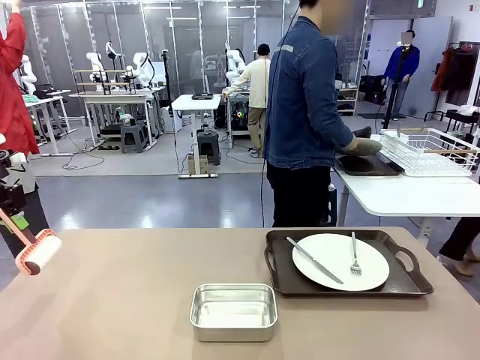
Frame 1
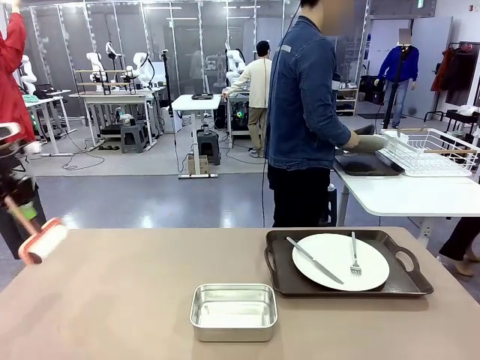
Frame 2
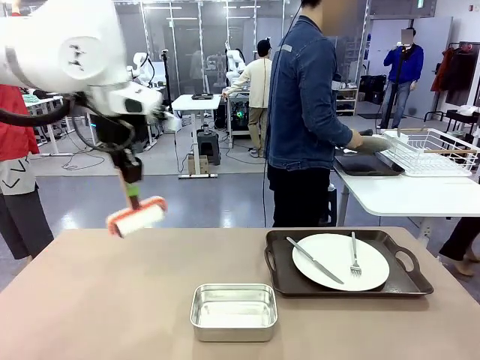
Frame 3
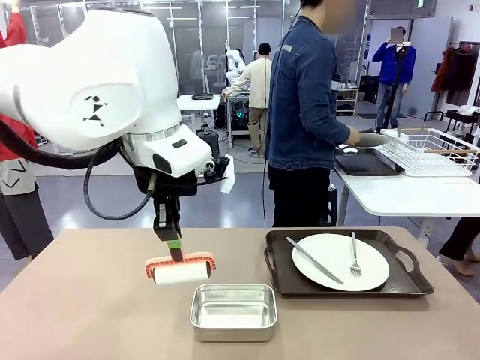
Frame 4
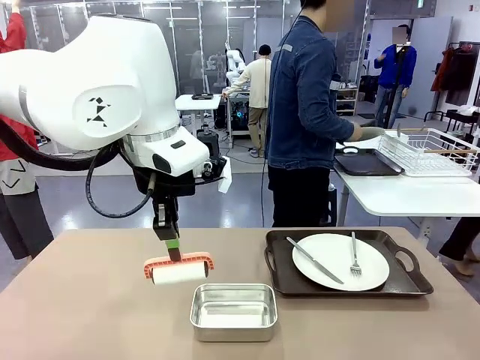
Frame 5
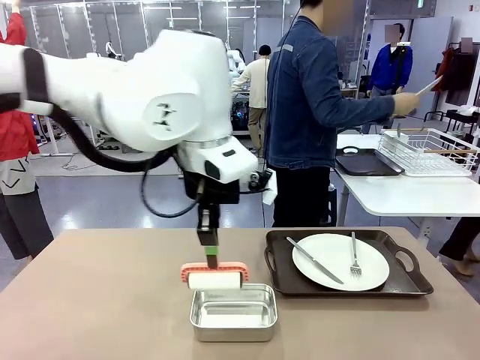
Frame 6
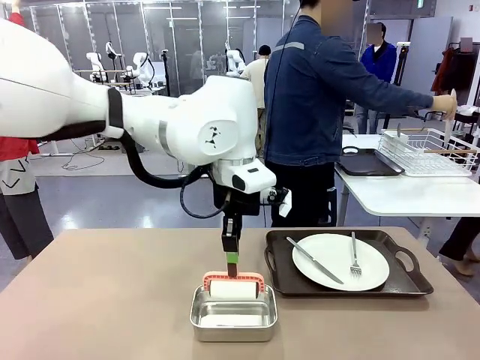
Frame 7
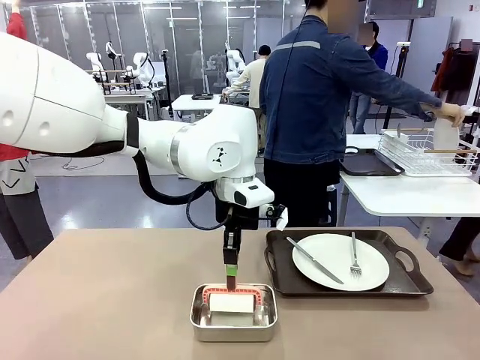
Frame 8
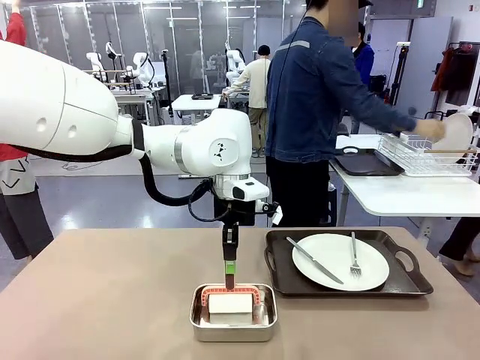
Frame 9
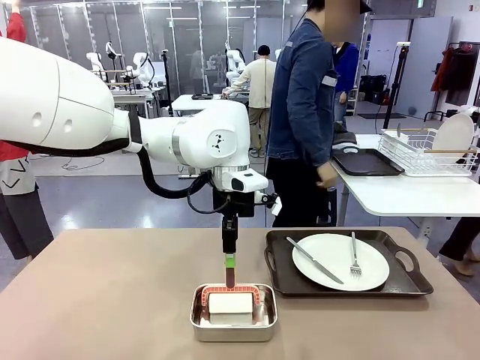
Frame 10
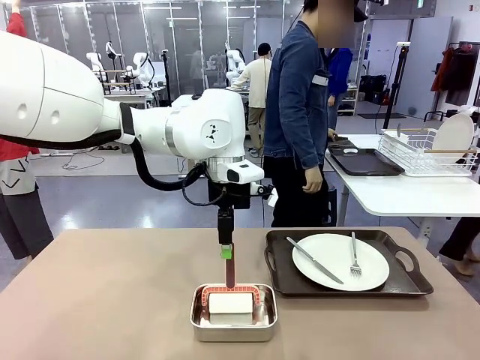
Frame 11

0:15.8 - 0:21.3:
Robot: Place the Lint Roller back on top of the Airtight Container.

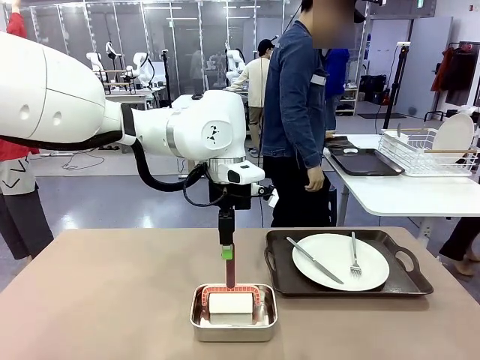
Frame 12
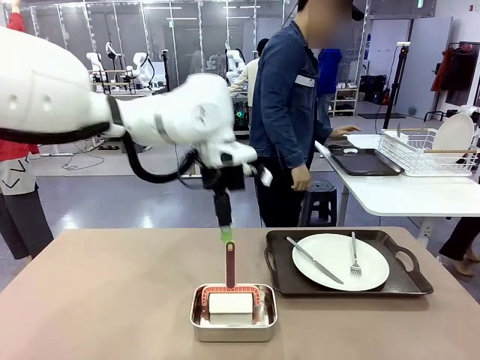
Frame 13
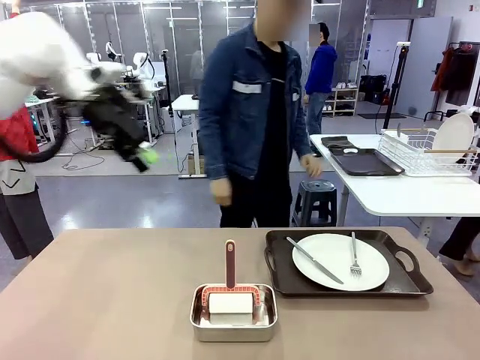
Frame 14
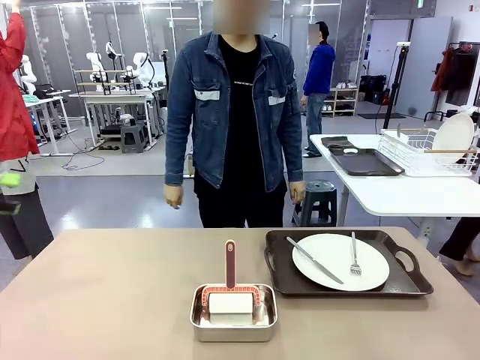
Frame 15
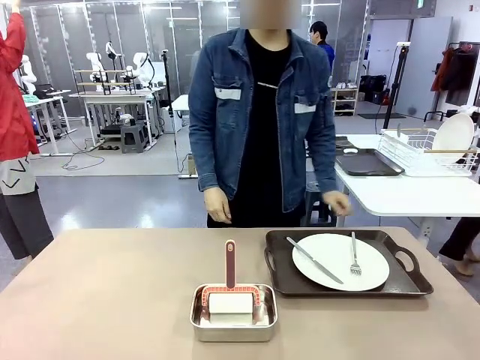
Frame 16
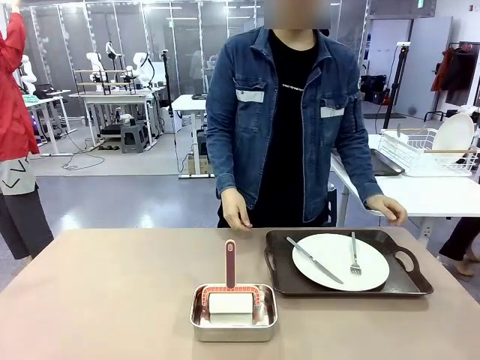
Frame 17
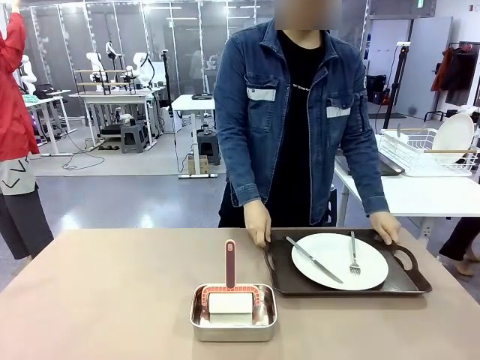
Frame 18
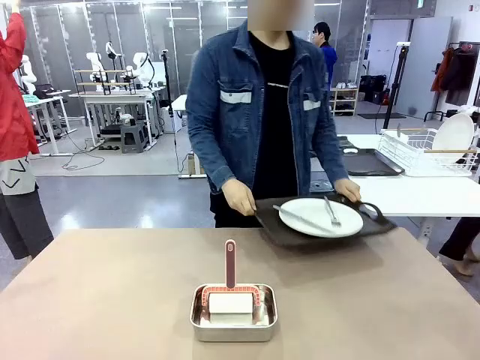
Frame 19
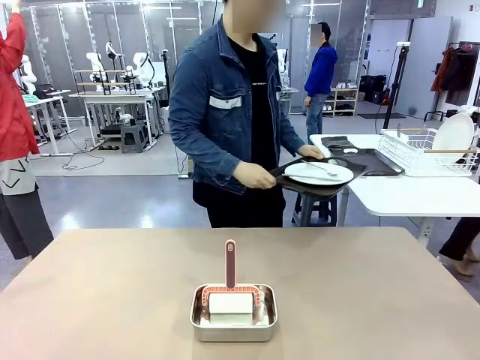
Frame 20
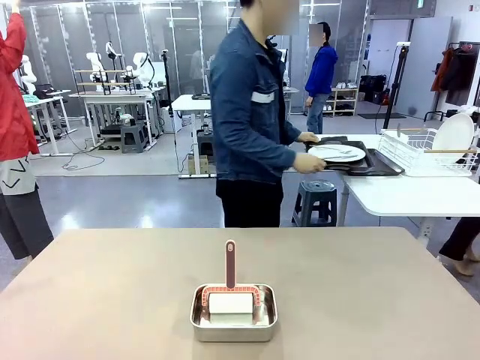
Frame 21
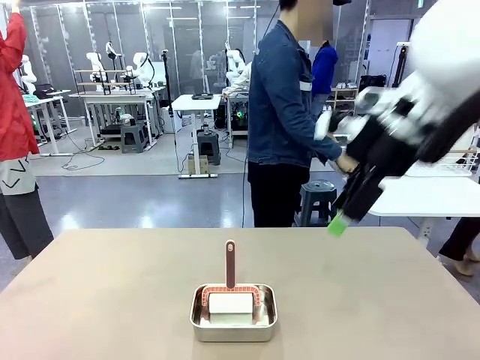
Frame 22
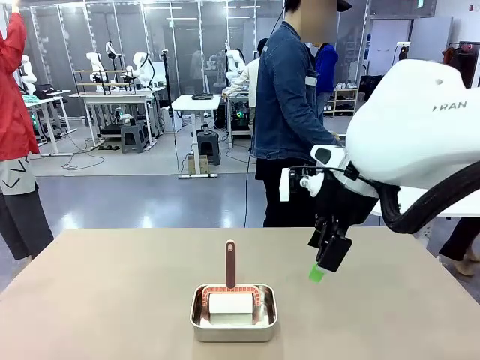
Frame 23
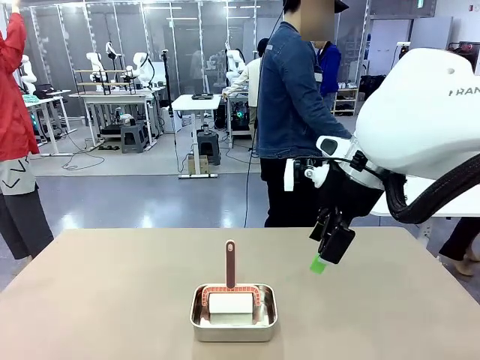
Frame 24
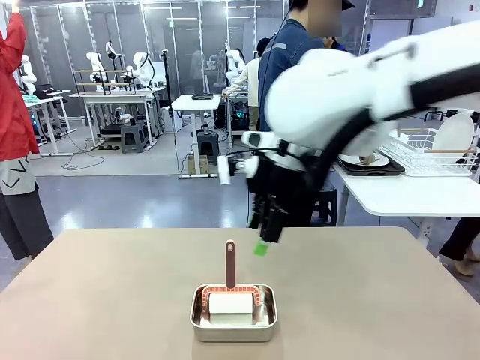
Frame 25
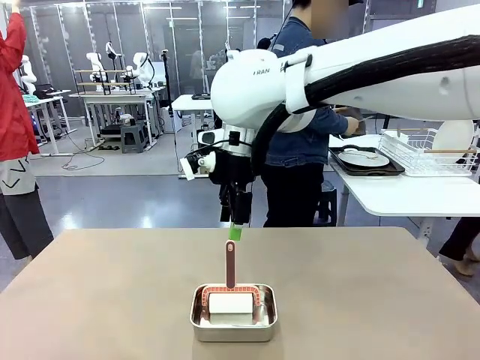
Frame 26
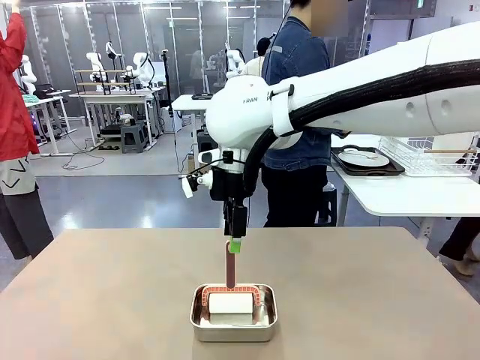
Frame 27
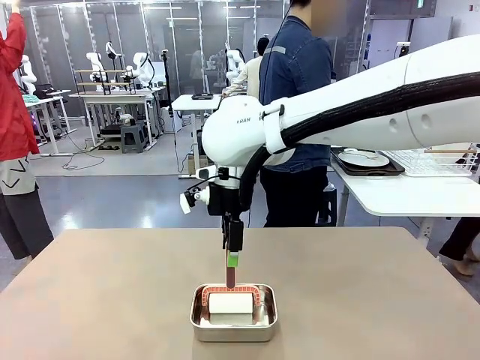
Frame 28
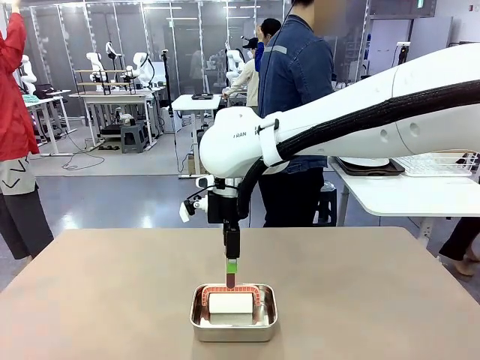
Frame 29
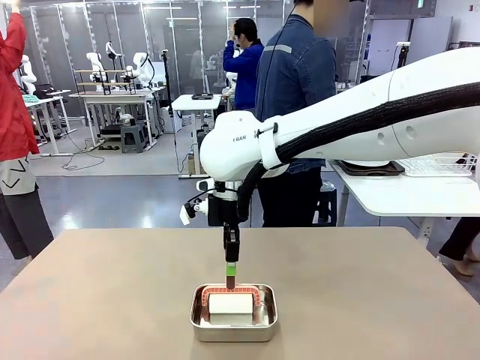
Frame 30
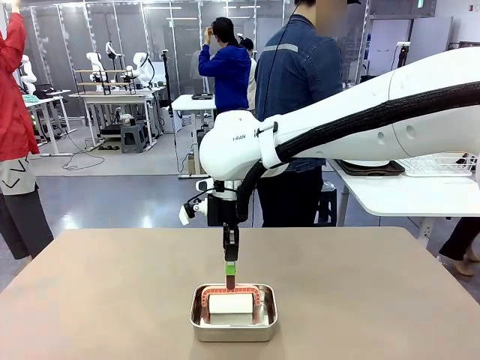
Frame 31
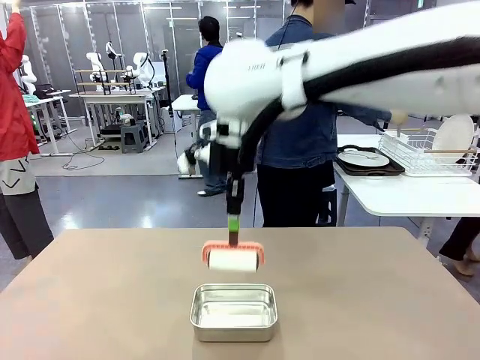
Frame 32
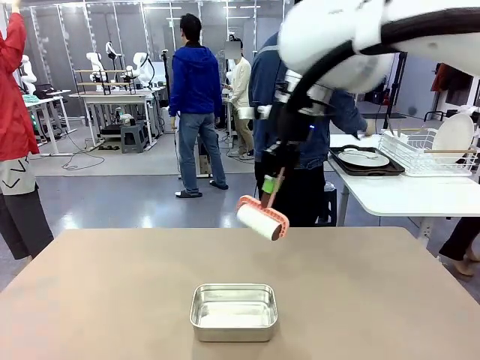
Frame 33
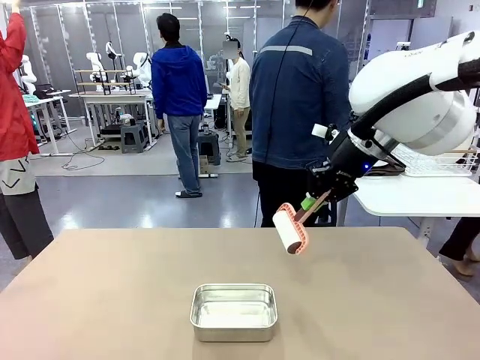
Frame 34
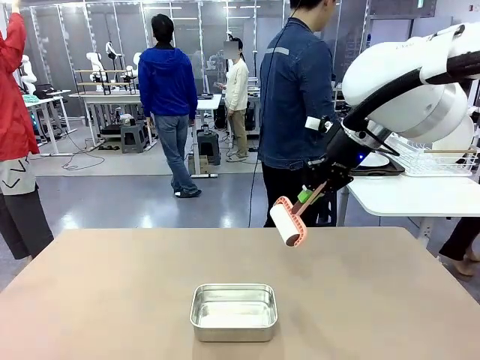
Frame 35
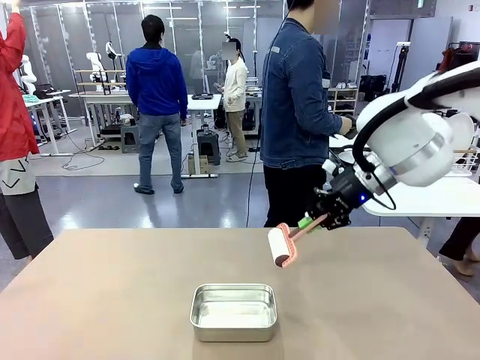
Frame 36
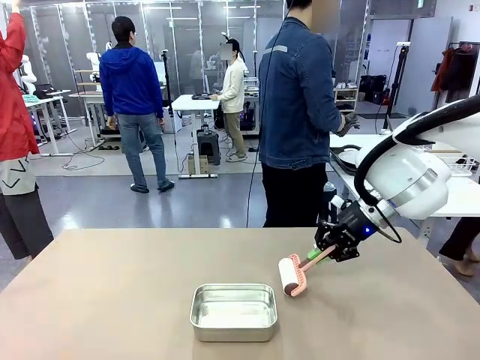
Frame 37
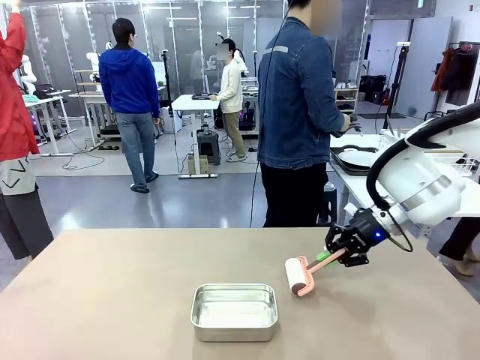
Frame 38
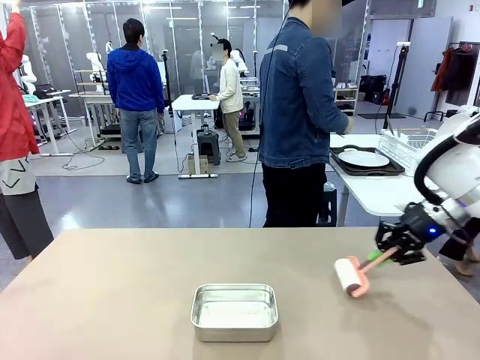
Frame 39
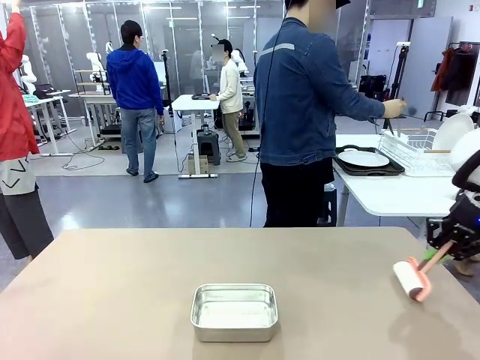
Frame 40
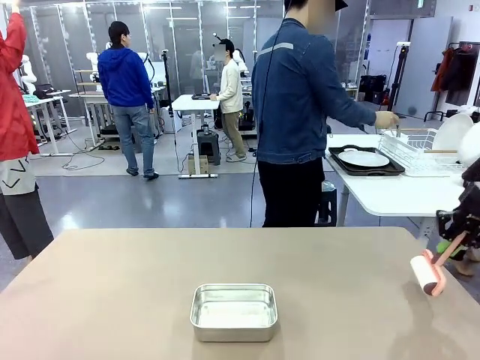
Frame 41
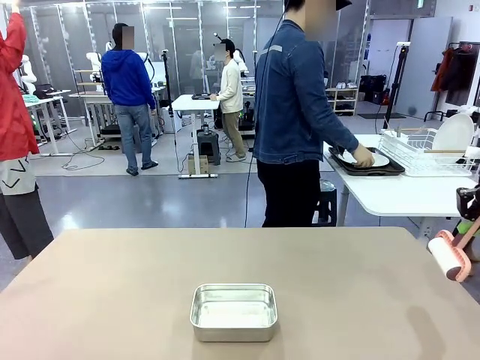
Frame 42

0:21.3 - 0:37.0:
Robot: When the right (or left) Handle tray is removed, use the right hand (or left hand) to clean the right (or left) side of the table with the Lint Roller.
Person: Pick up the left (or right) Handle tray and place it on the Handle tray.
